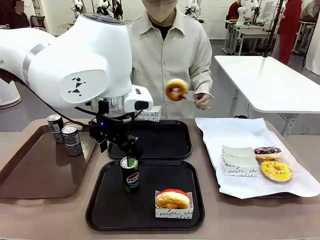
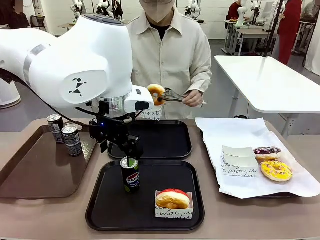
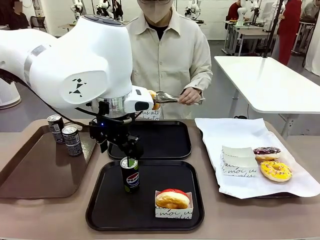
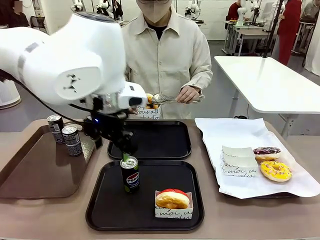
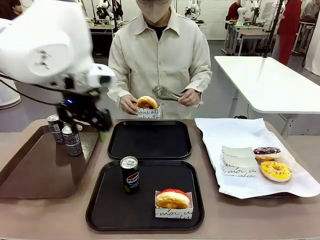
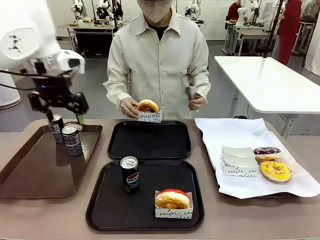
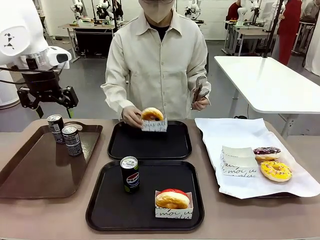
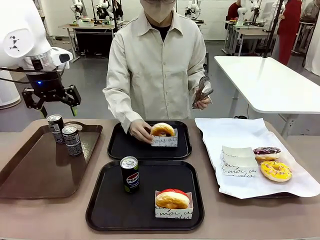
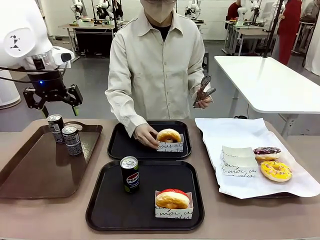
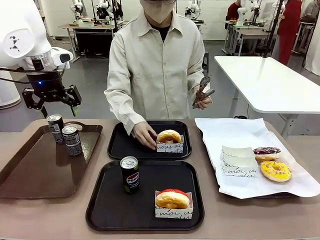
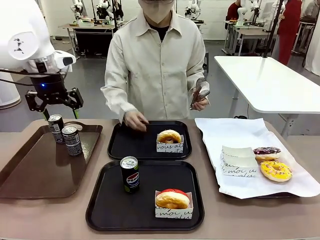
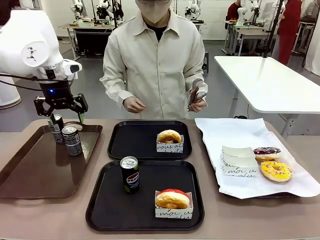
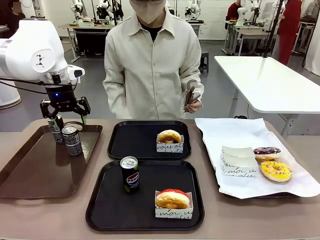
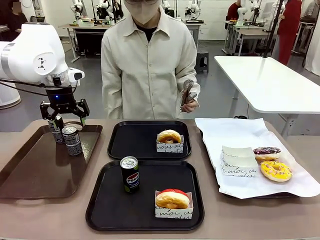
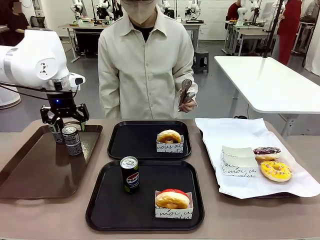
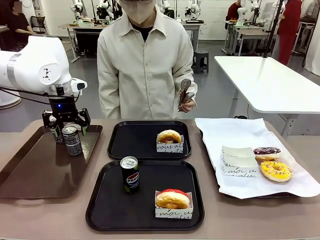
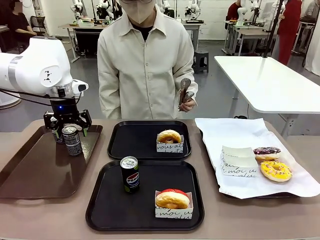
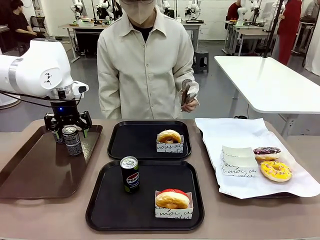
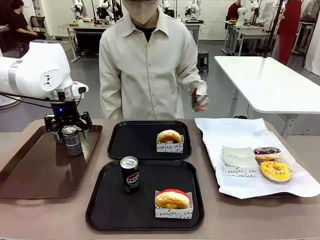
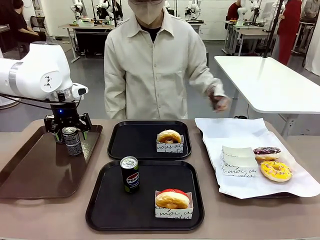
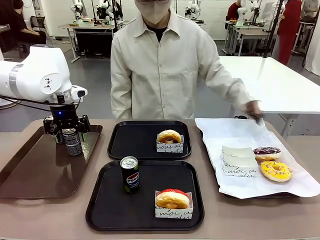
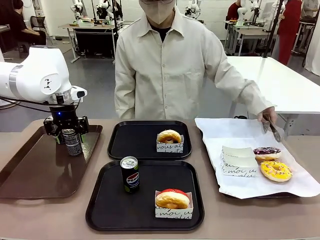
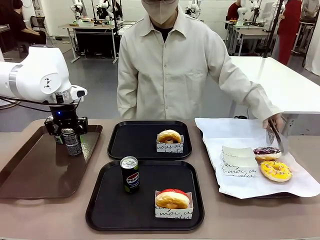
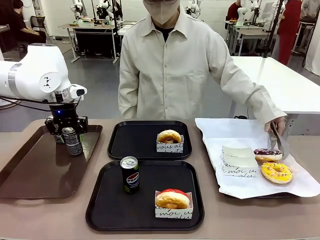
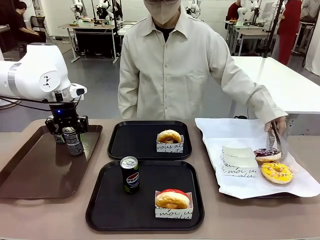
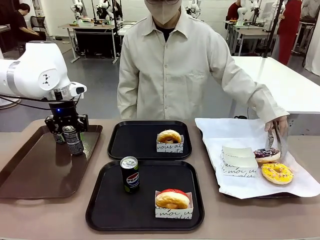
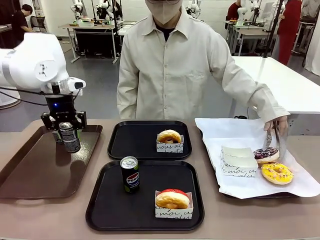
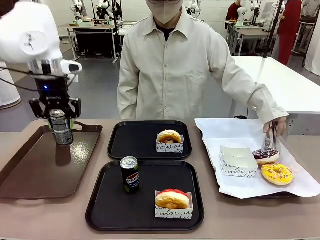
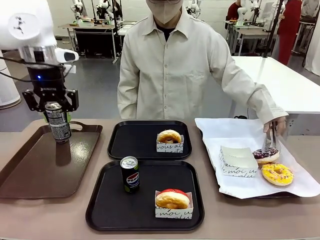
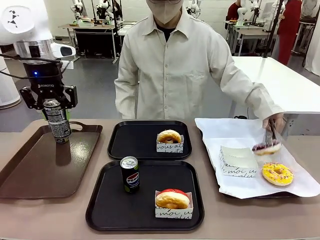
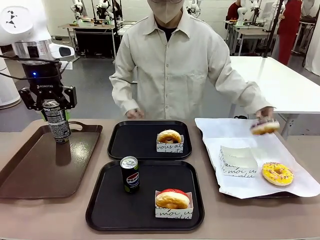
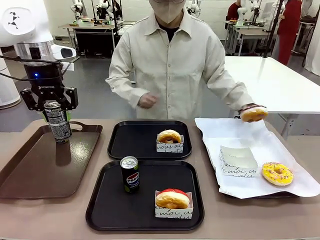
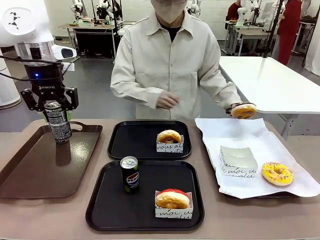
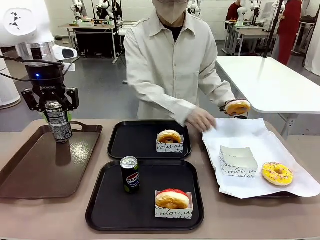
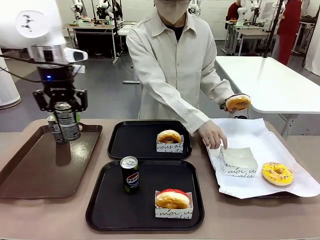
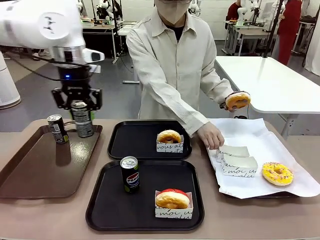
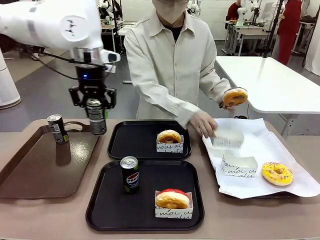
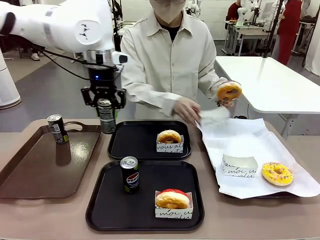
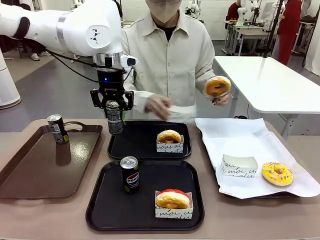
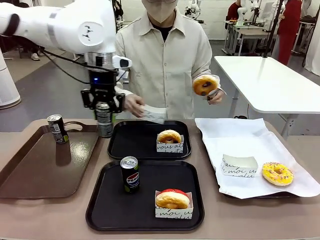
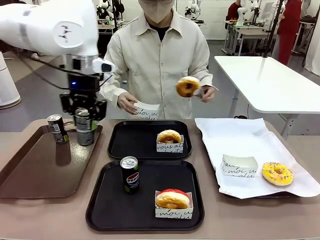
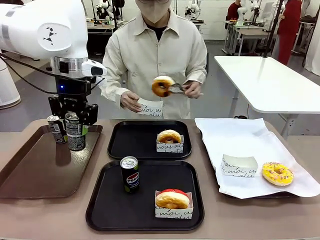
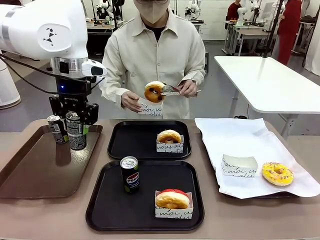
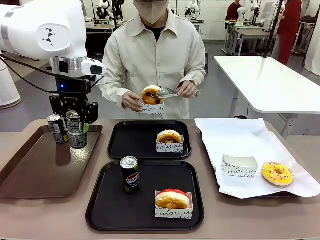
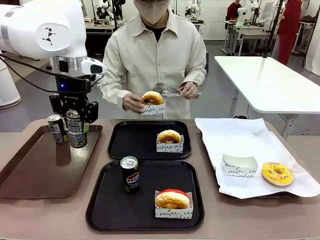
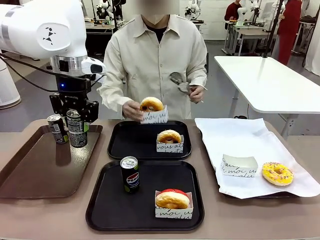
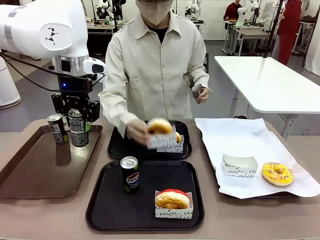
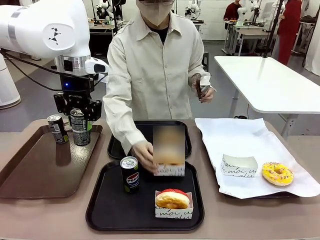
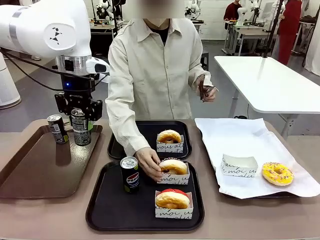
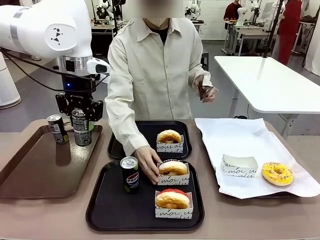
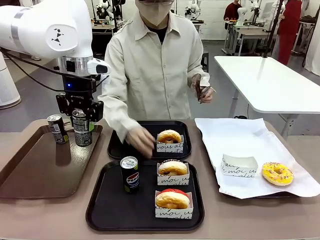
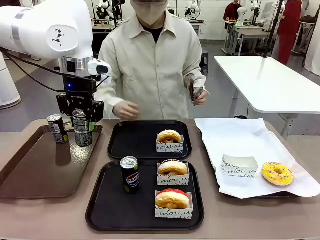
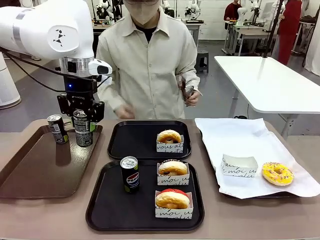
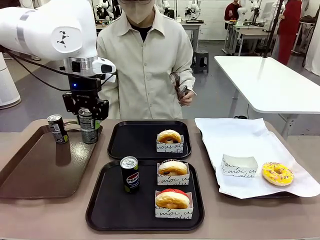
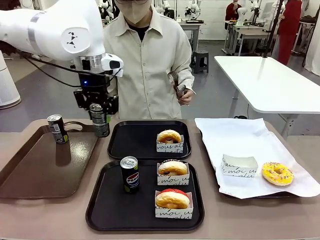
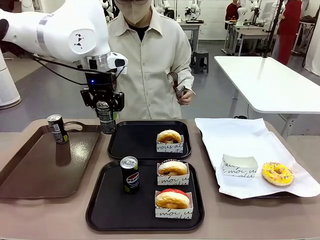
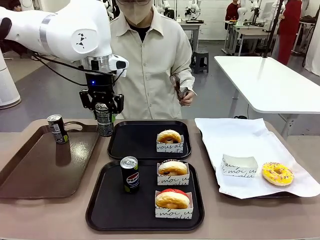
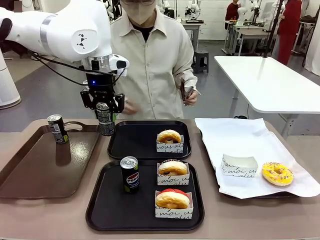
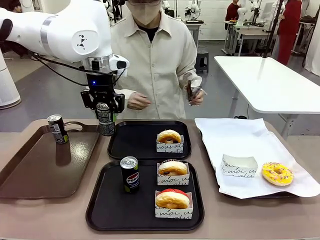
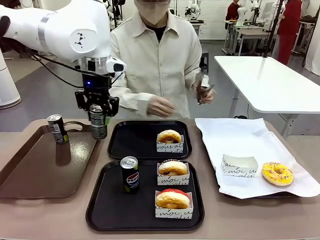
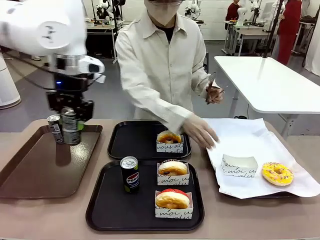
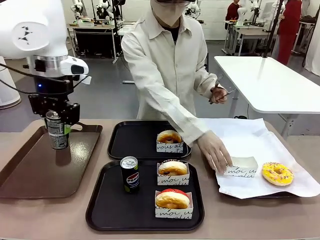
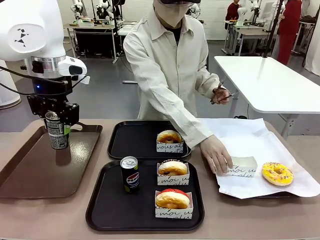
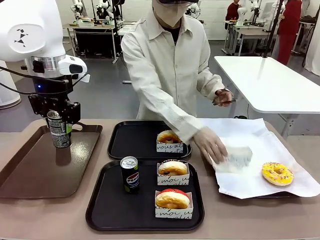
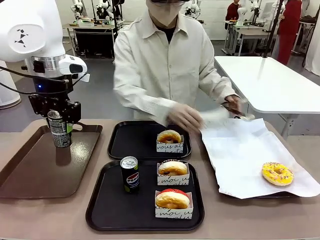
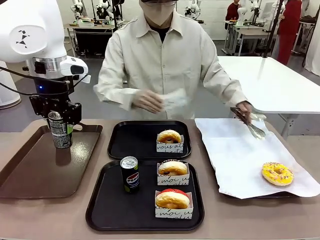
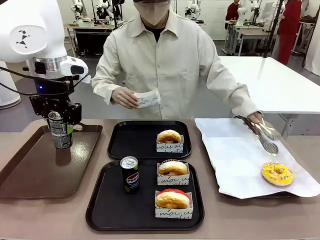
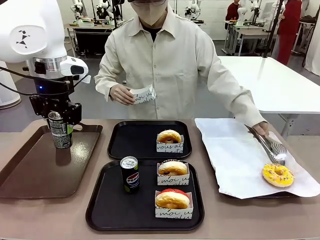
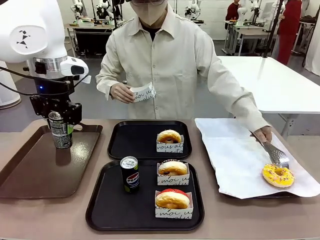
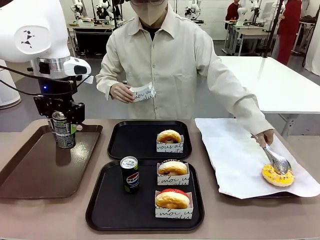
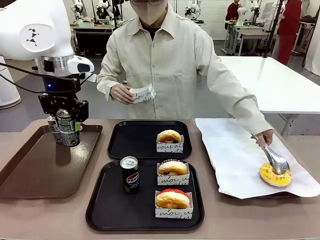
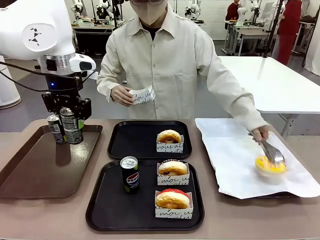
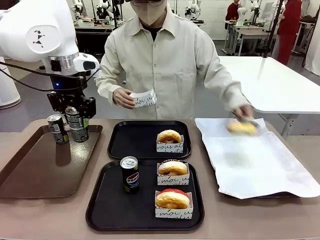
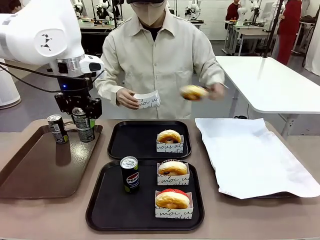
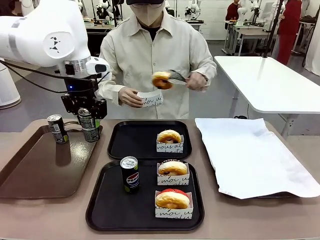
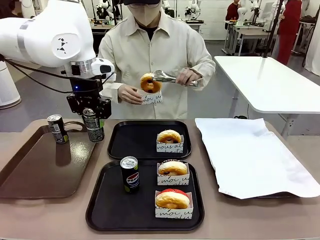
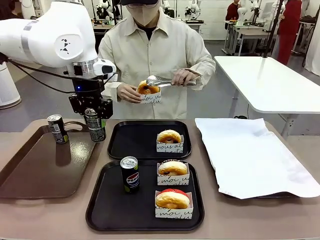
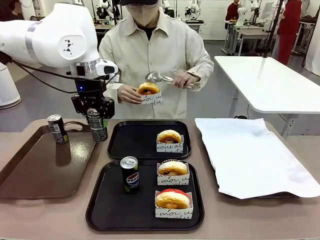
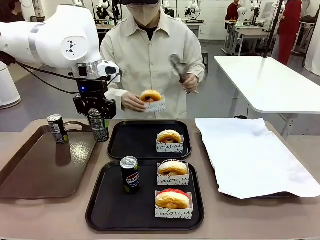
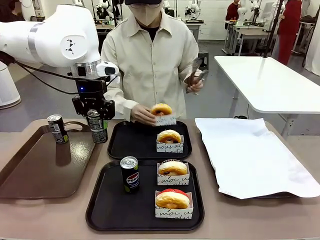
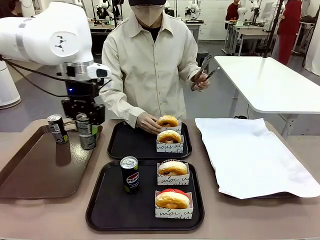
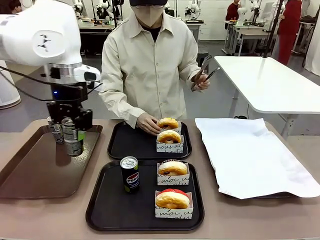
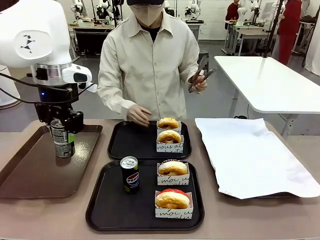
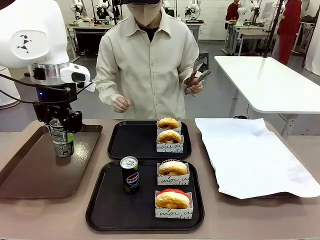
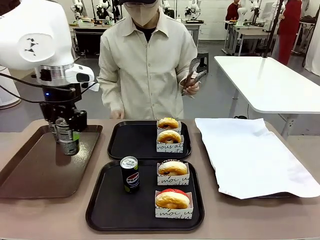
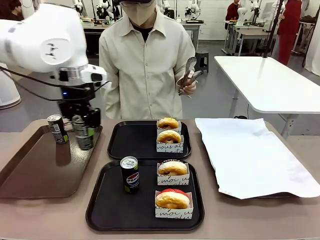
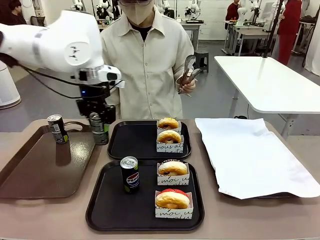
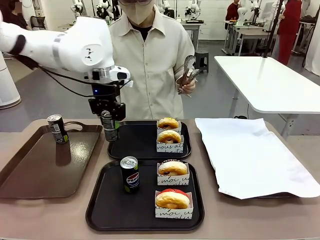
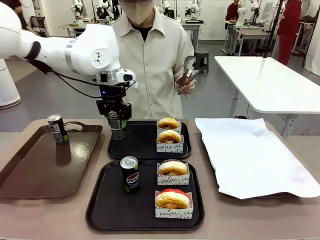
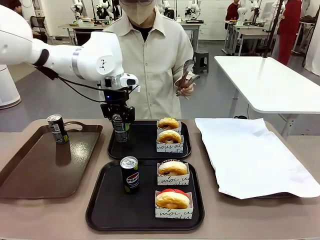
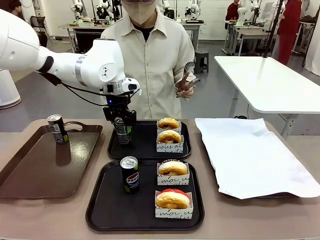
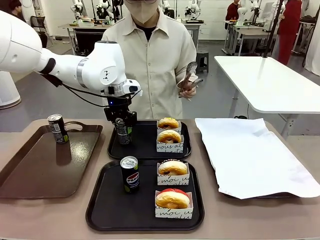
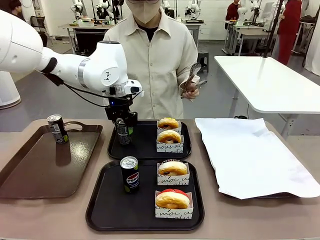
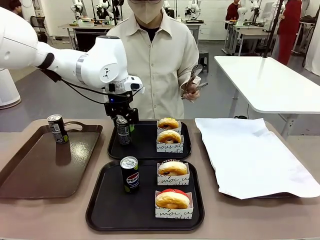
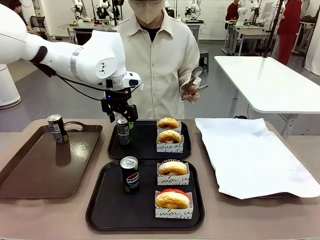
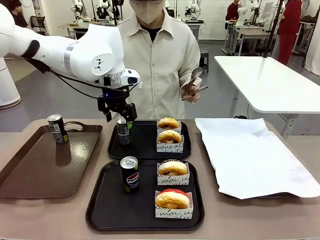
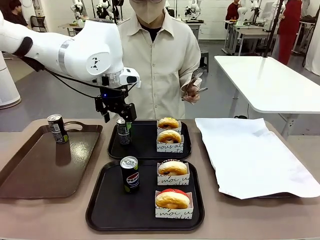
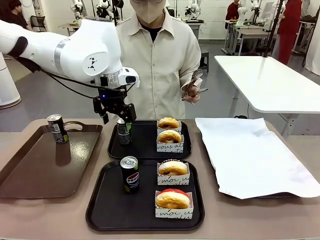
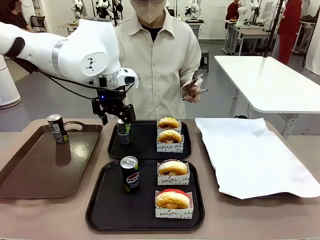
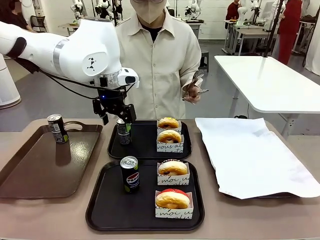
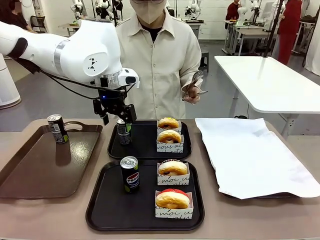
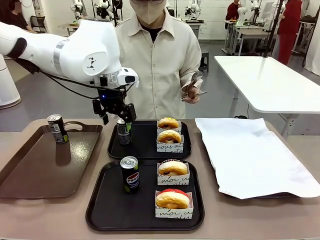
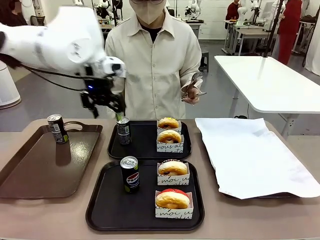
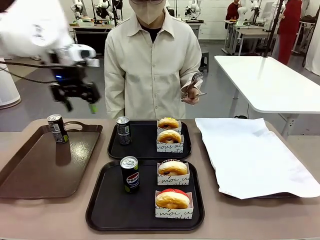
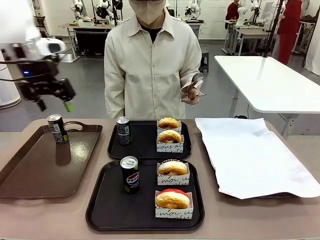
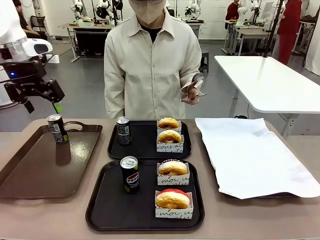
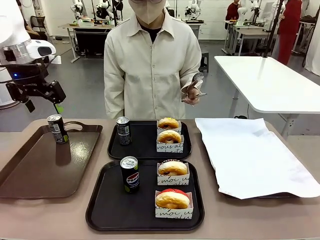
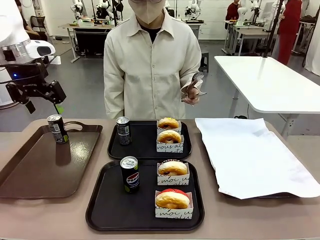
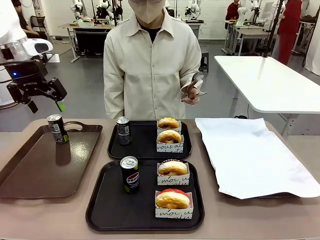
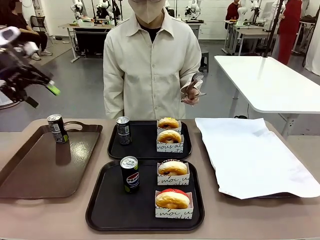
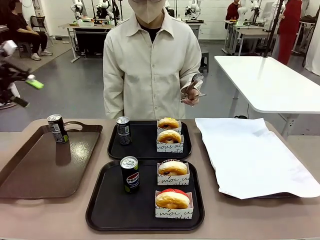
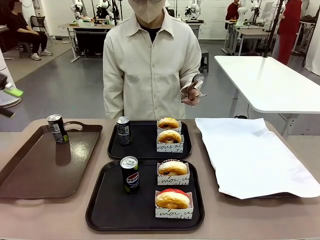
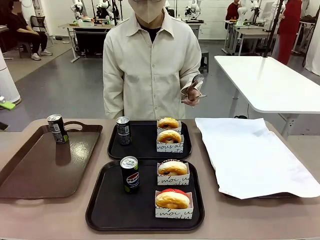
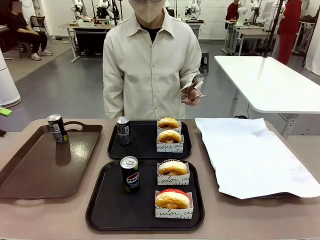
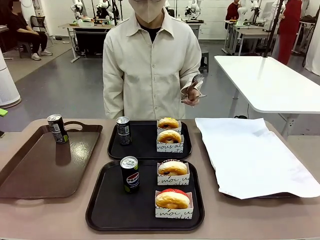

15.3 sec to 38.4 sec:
Task: Set up donuts and drinks on trays.
Robot: Pick up one Pepsi coke from the Handle tray and place it on the Flat Tray without a Pepsi coke.
Person: Pick up one donut with tongs, place it in the donut tray, and then place the donut tray on the flat tray.
